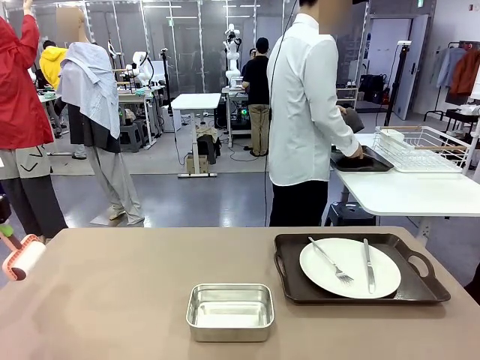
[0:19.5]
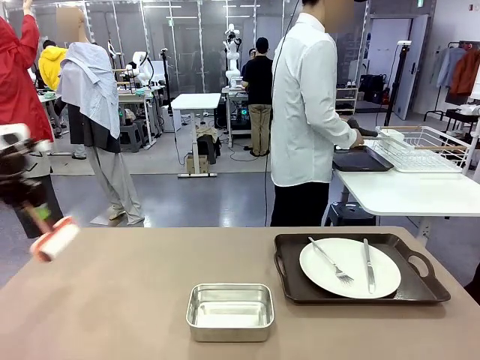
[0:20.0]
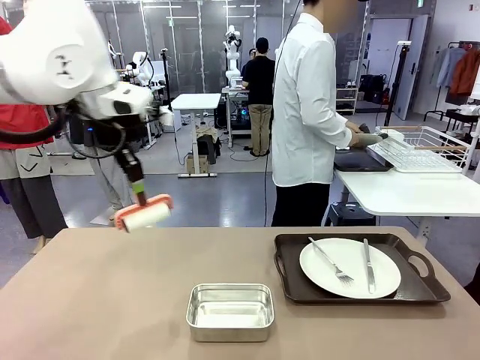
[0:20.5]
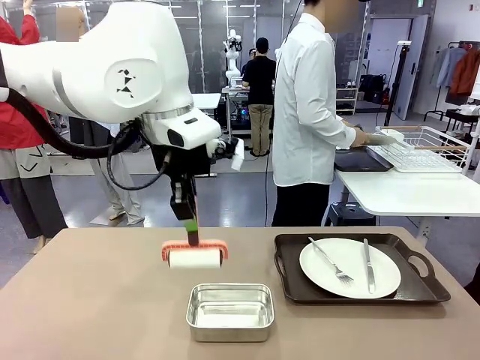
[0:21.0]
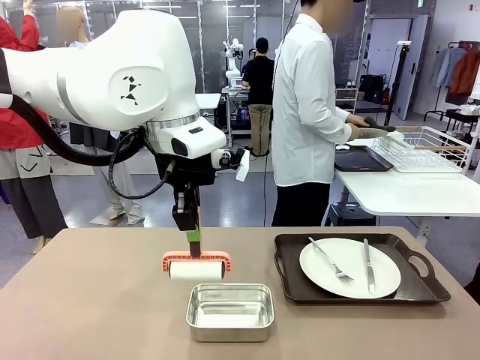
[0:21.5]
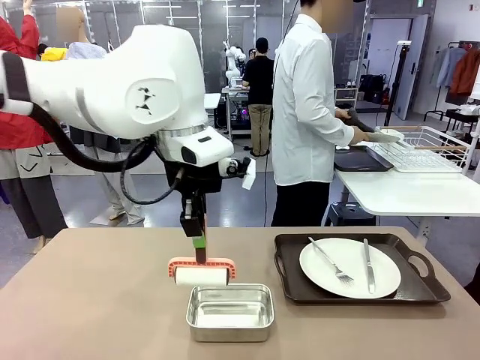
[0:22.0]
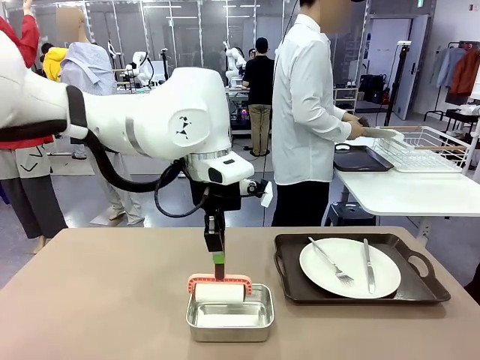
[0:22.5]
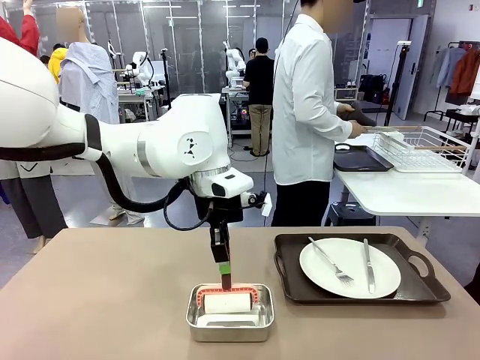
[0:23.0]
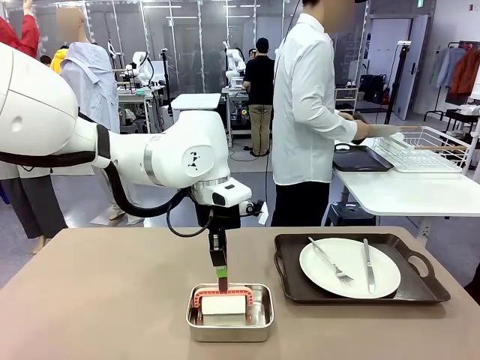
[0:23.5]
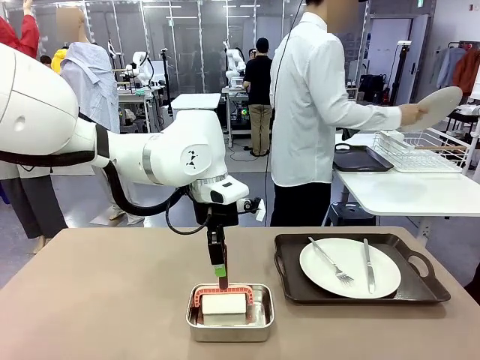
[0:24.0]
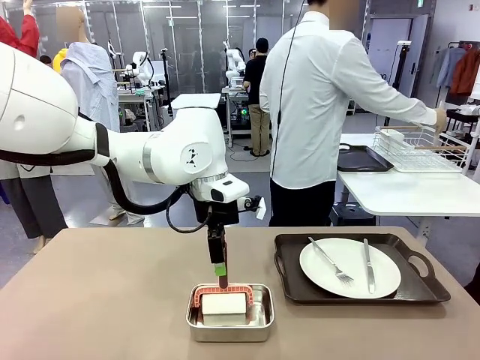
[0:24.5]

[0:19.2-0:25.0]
Robot: Place the Lint Roller back on top of the Airtight Container.

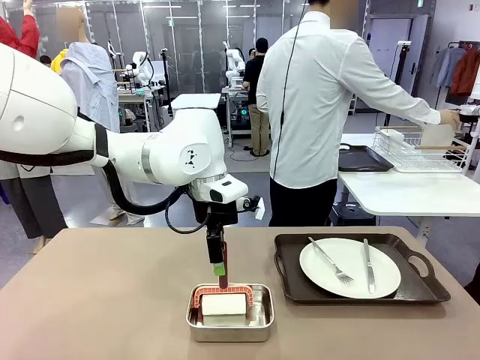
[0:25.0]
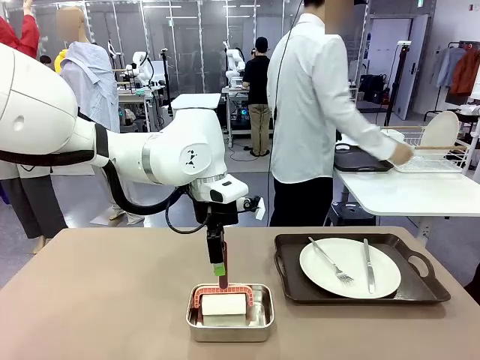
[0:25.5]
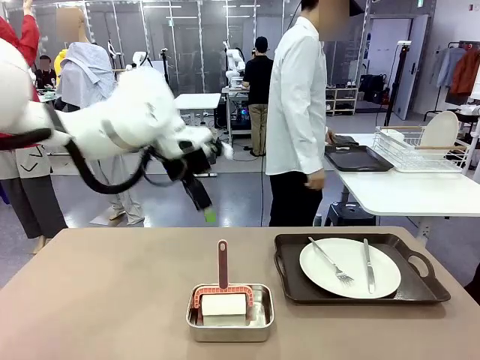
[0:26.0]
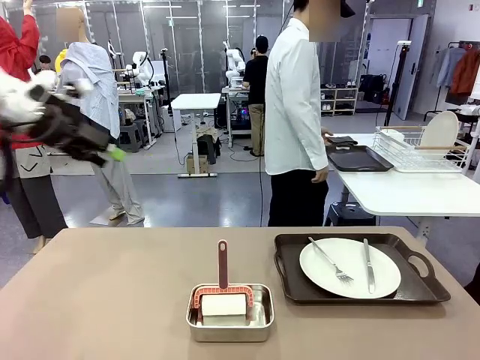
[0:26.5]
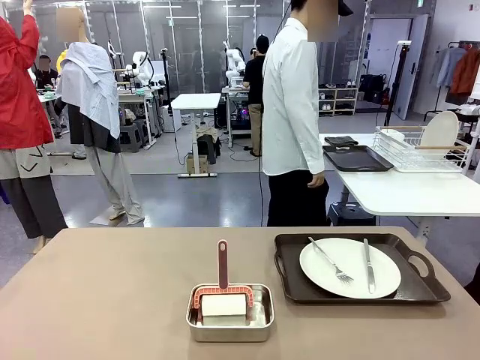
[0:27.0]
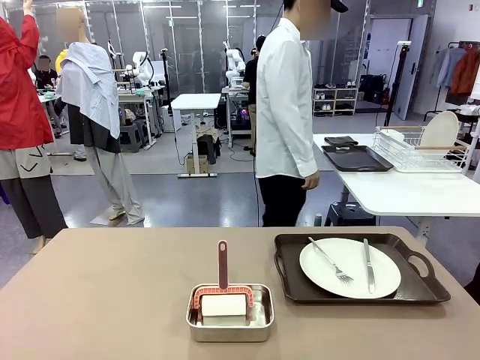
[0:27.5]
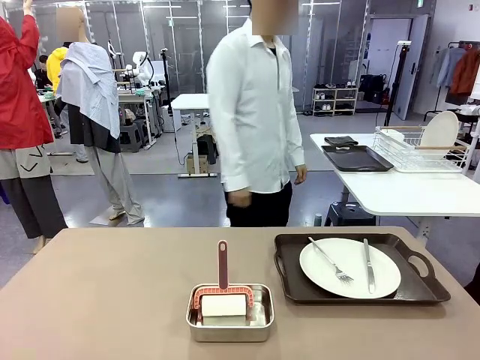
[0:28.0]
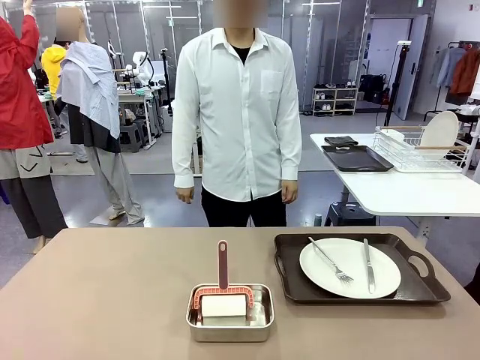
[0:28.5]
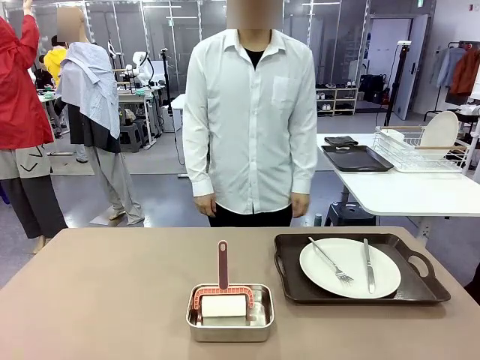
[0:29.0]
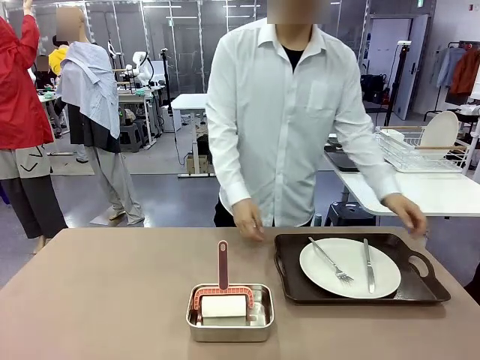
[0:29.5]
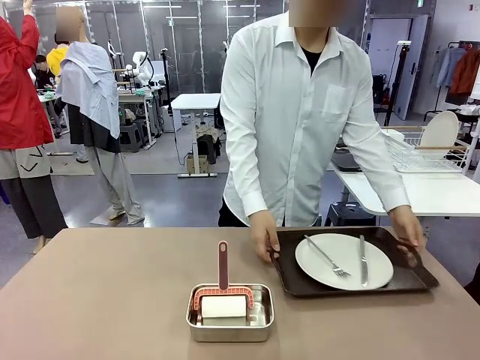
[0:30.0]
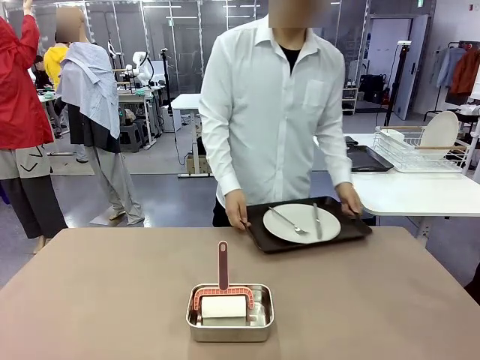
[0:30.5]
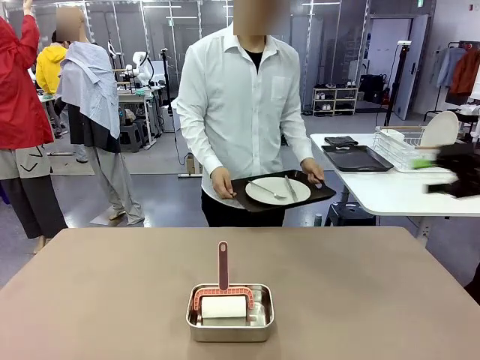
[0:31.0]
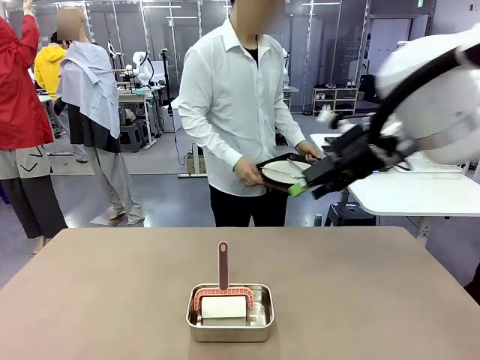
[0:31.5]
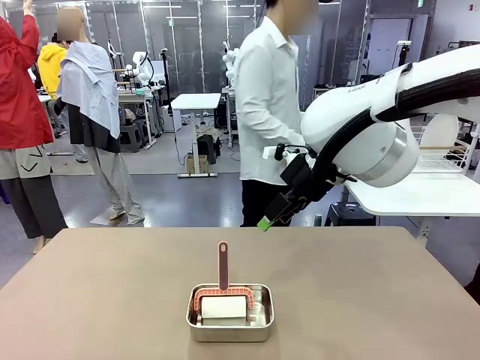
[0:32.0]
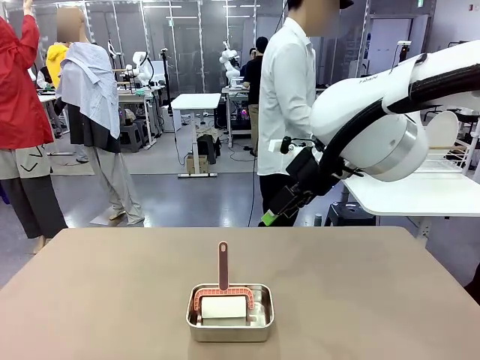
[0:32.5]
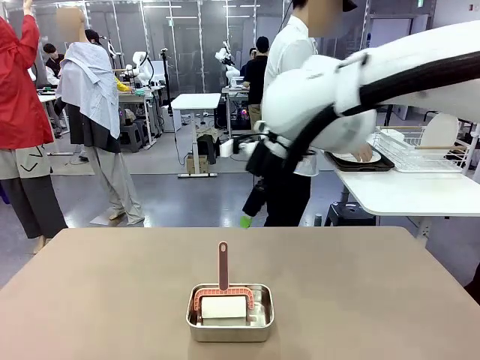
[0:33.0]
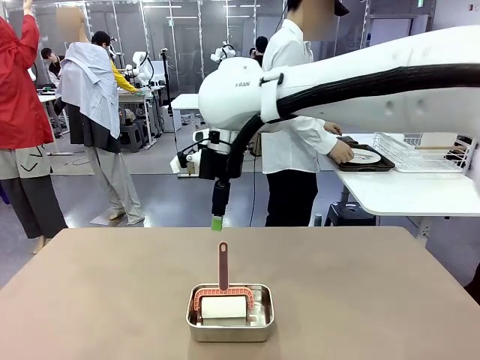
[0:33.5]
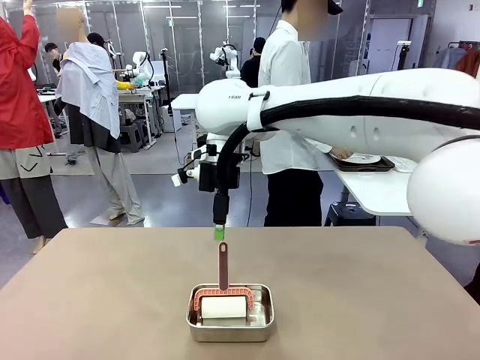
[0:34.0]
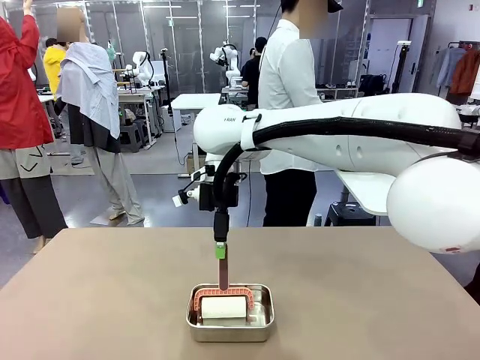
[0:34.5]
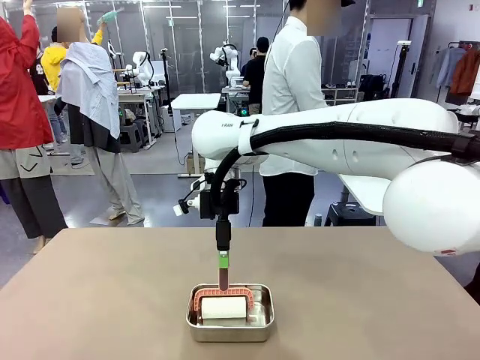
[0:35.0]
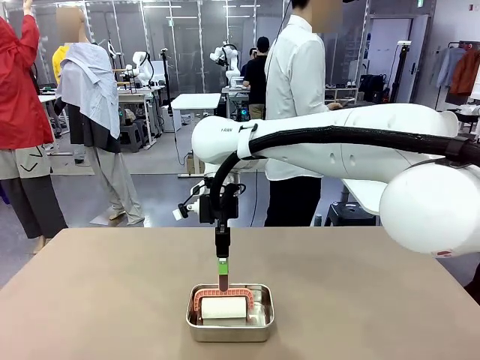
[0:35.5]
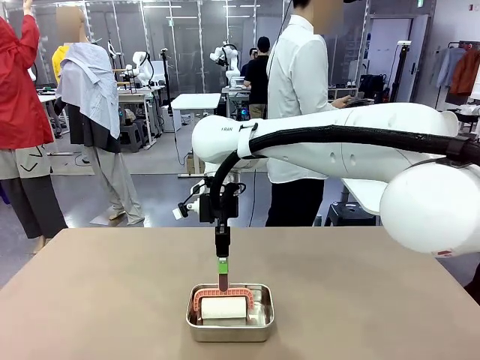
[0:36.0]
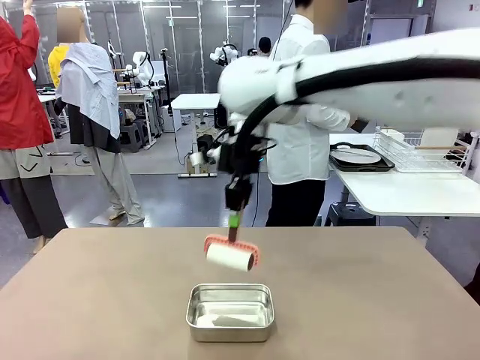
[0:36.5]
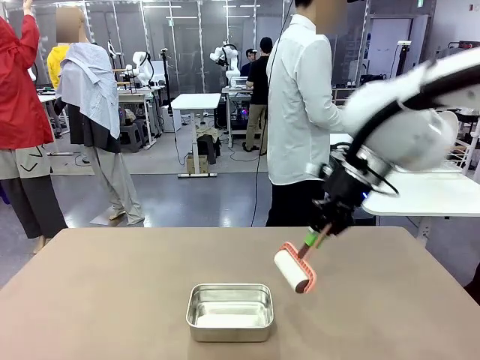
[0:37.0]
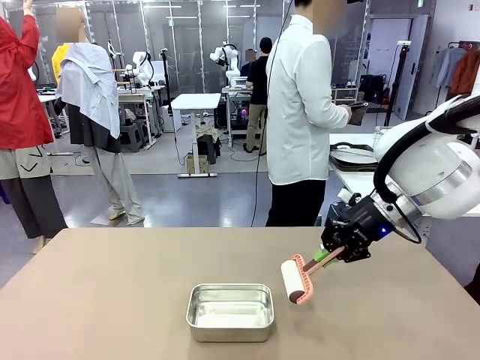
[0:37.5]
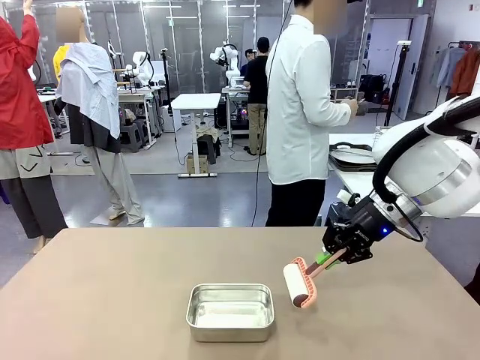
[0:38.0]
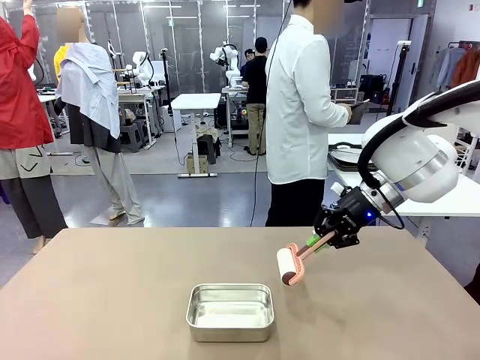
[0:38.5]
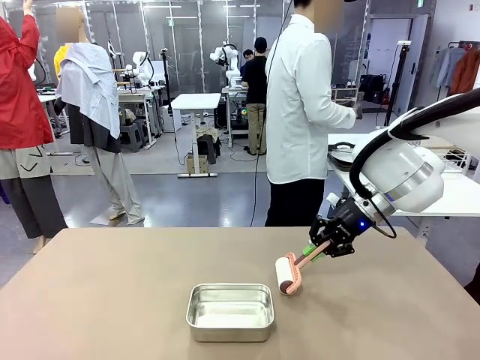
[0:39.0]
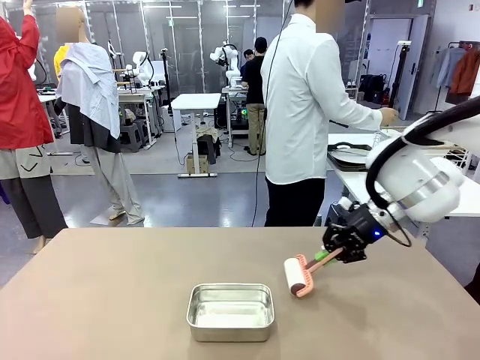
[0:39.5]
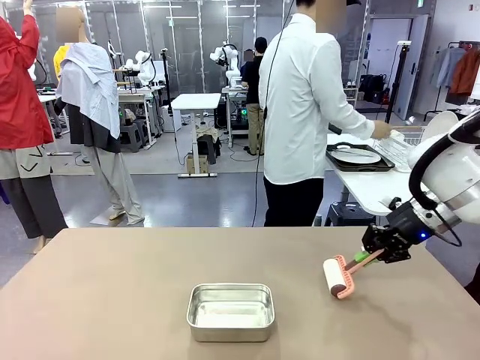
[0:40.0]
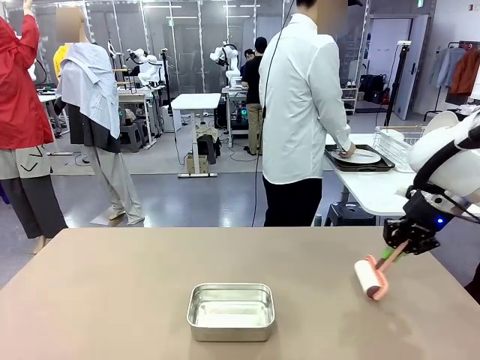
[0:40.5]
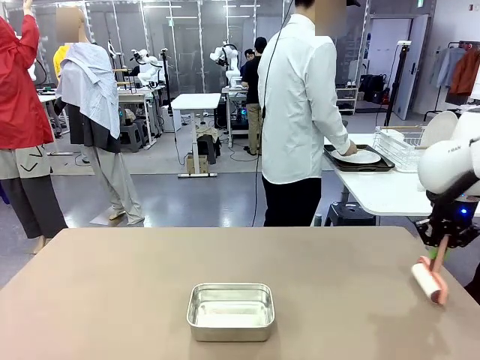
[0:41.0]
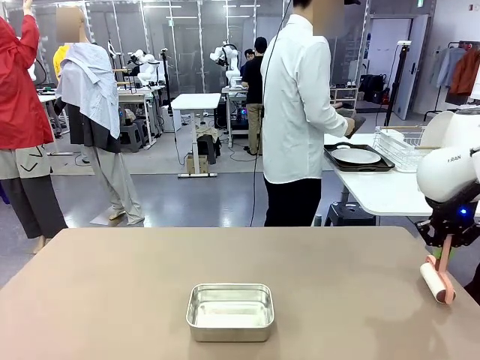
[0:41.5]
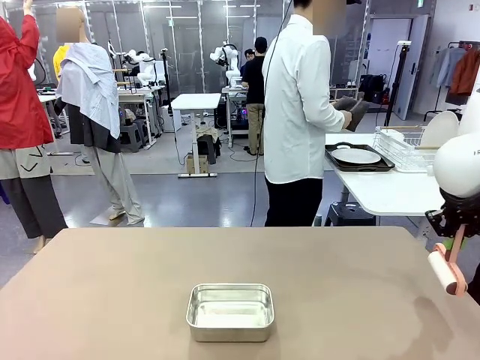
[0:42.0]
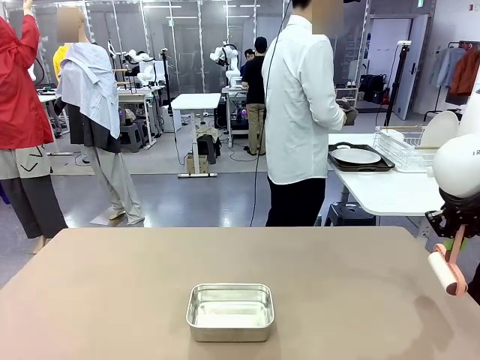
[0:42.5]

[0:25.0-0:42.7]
Robot: When the right (or left) Handle tray is removed, use the right hand (or left hand) to clean the right (or left) side of the table with the Lint Roller.
Person: Pick up the left (or right) Handle tray and place it on the Handle tray.

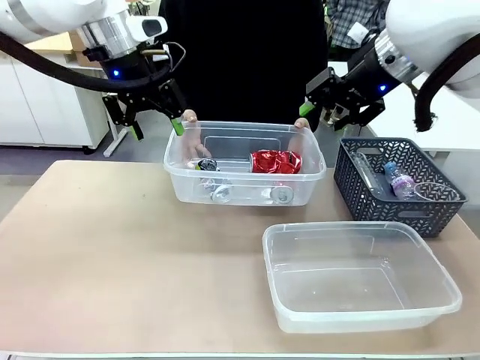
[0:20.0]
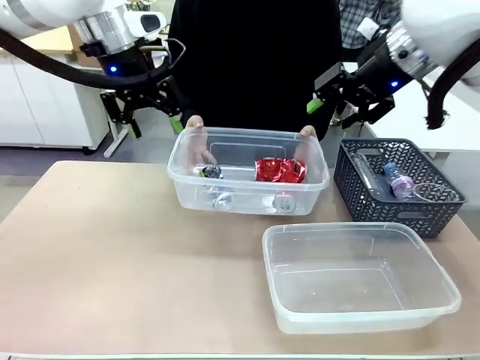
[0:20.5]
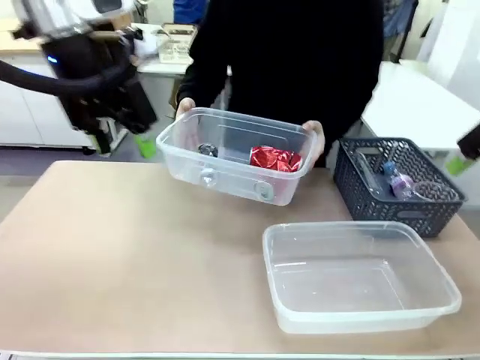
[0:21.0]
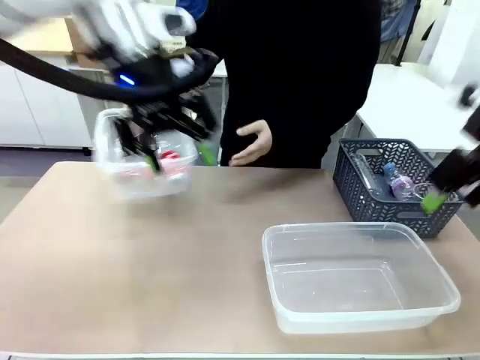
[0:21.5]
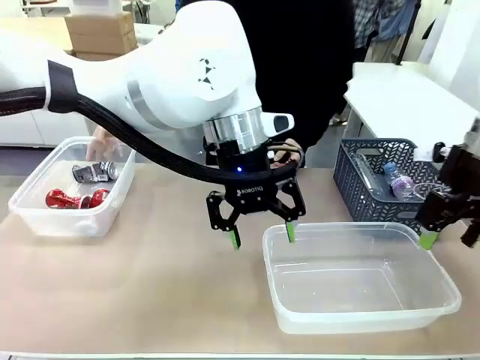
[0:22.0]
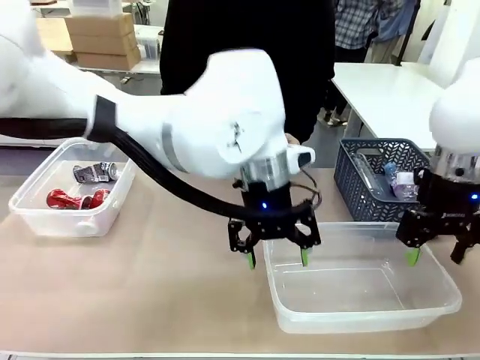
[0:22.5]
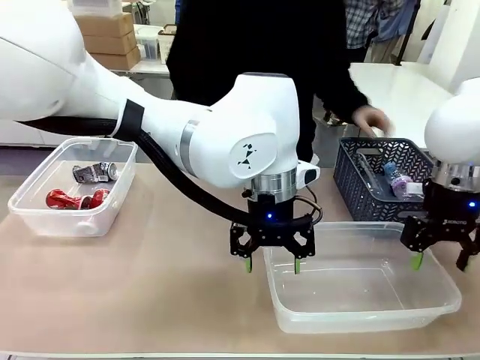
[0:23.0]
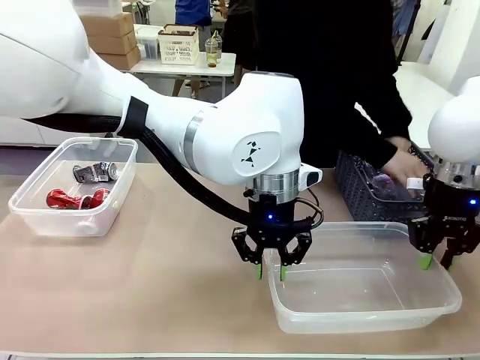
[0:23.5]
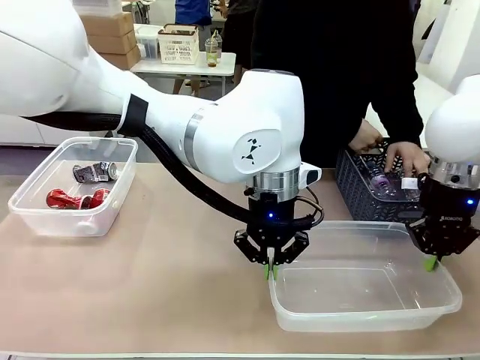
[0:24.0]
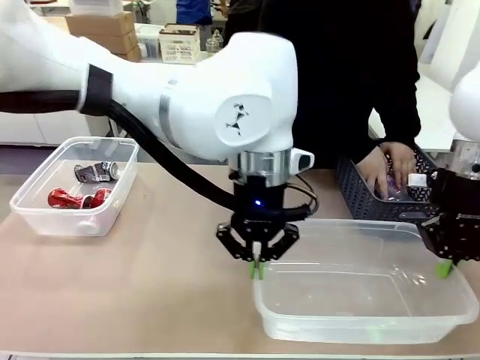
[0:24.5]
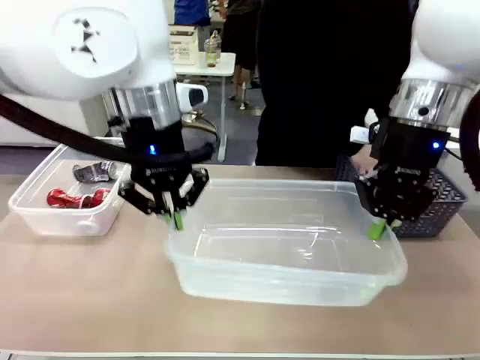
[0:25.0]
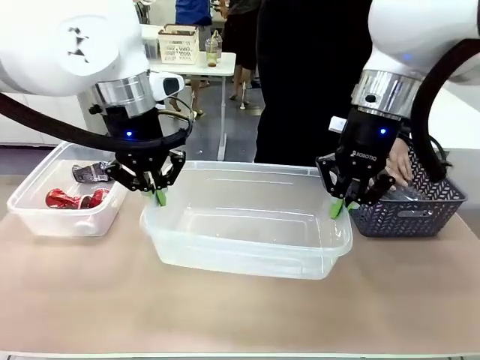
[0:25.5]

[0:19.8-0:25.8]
Robot: Pick up the Organizing box on the right side of the table and lift it.
Person: Place it at the edge of the bottom right area of the robot table.
